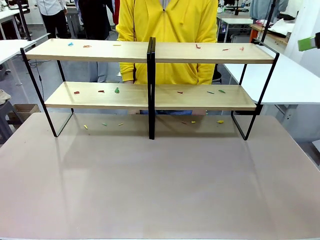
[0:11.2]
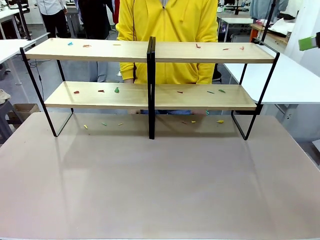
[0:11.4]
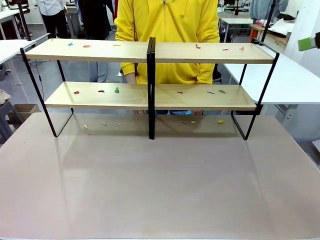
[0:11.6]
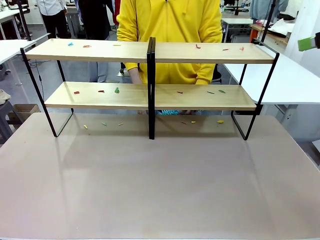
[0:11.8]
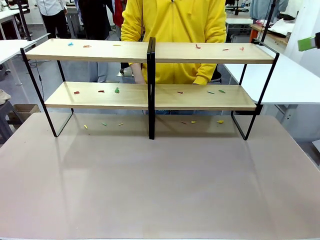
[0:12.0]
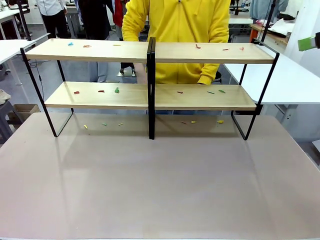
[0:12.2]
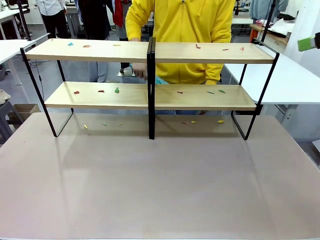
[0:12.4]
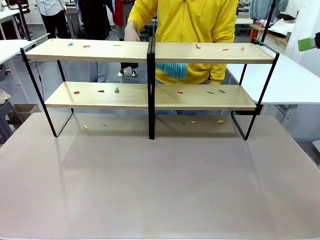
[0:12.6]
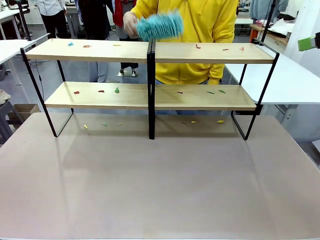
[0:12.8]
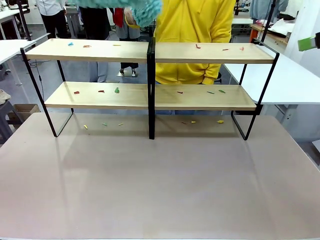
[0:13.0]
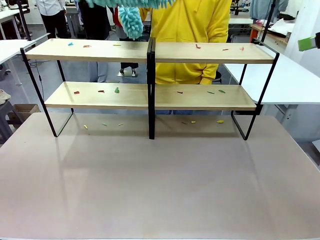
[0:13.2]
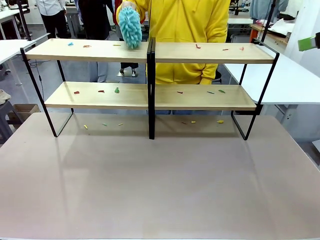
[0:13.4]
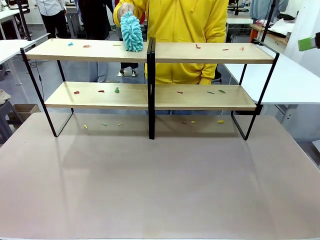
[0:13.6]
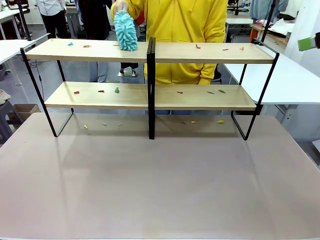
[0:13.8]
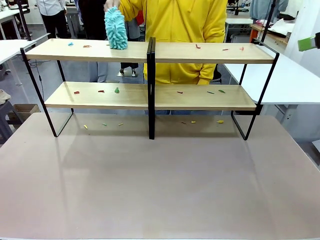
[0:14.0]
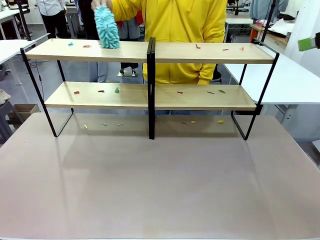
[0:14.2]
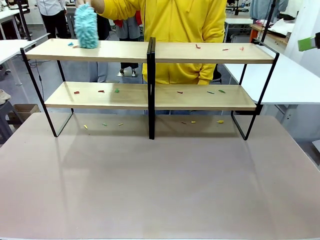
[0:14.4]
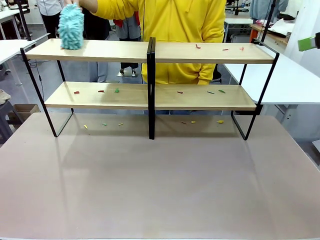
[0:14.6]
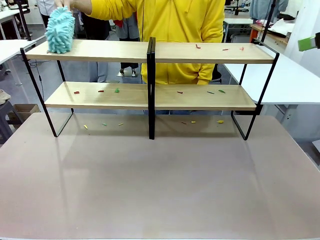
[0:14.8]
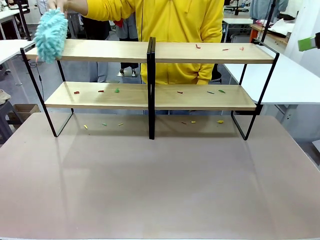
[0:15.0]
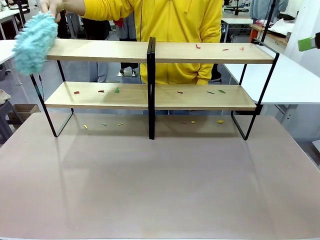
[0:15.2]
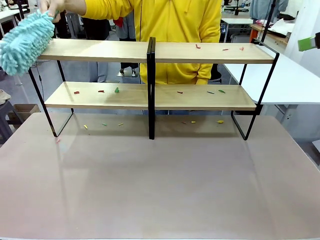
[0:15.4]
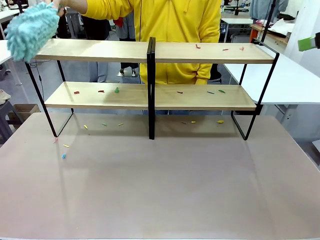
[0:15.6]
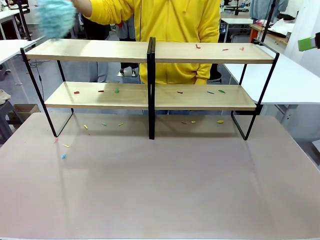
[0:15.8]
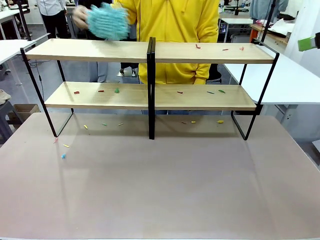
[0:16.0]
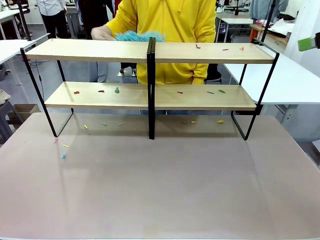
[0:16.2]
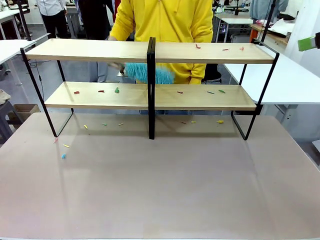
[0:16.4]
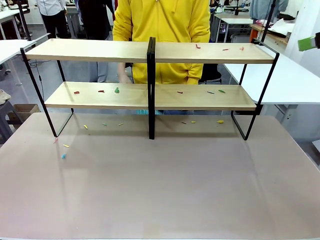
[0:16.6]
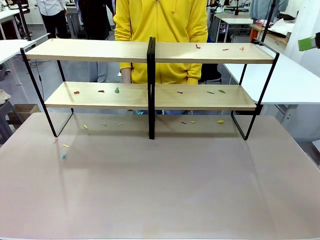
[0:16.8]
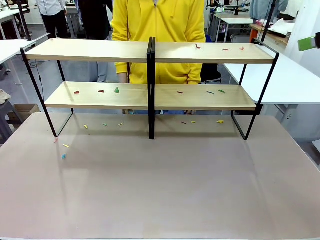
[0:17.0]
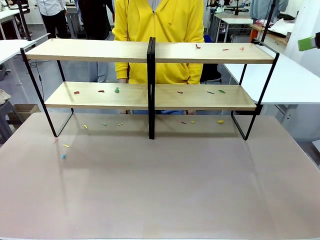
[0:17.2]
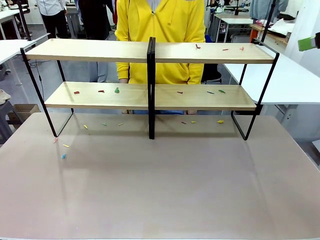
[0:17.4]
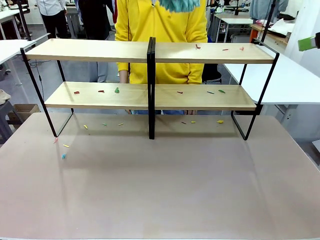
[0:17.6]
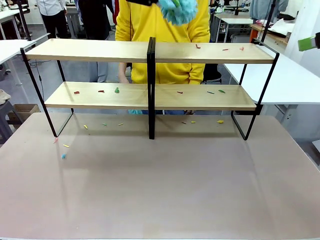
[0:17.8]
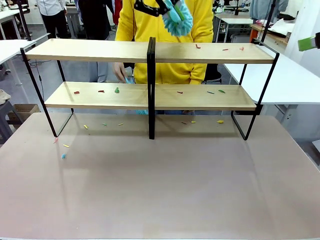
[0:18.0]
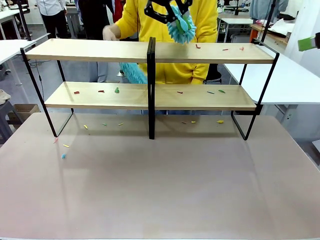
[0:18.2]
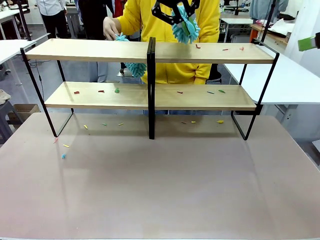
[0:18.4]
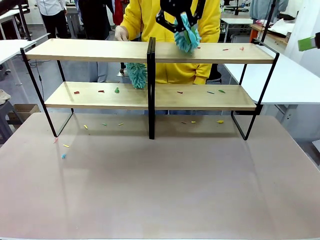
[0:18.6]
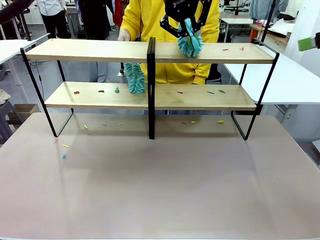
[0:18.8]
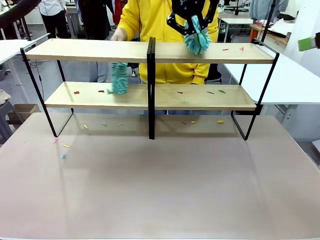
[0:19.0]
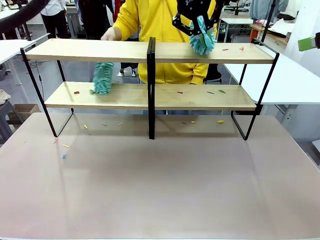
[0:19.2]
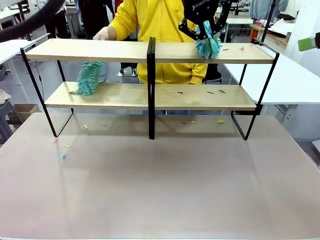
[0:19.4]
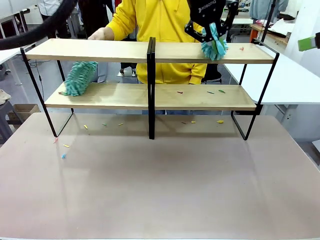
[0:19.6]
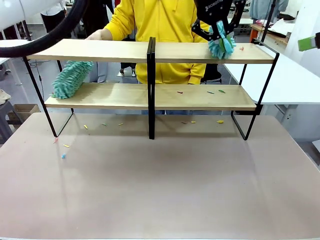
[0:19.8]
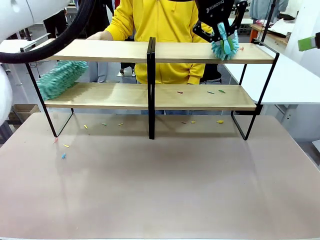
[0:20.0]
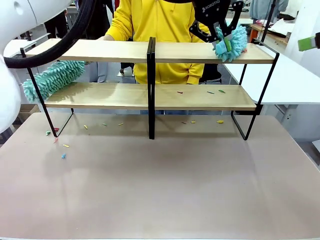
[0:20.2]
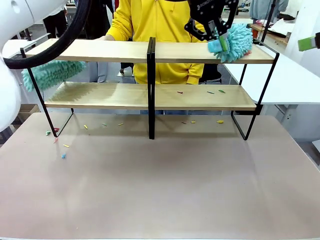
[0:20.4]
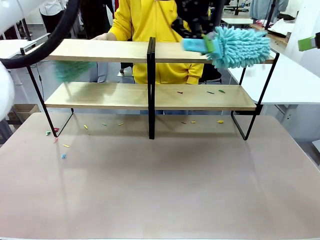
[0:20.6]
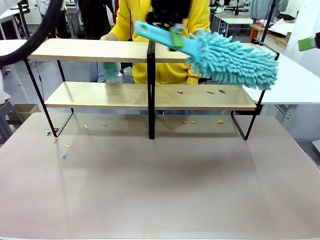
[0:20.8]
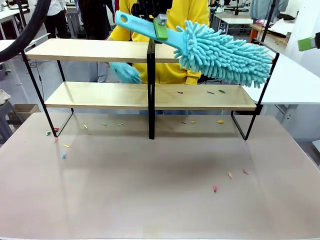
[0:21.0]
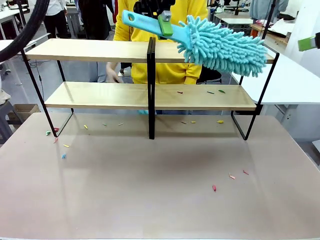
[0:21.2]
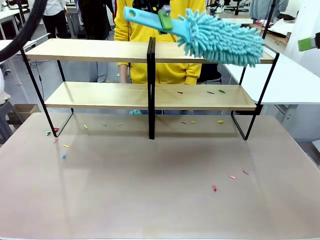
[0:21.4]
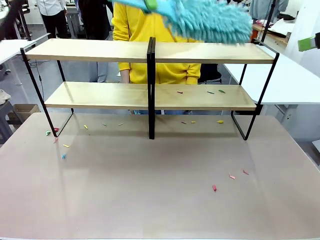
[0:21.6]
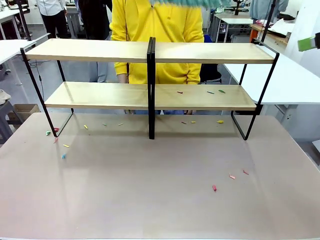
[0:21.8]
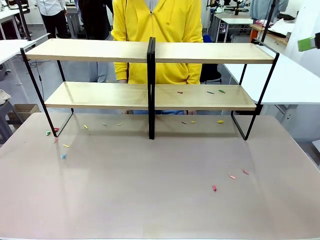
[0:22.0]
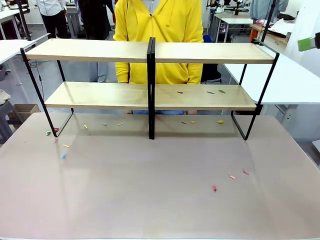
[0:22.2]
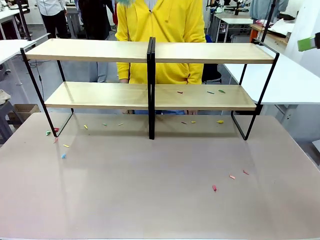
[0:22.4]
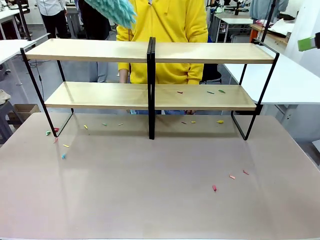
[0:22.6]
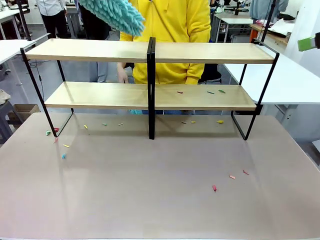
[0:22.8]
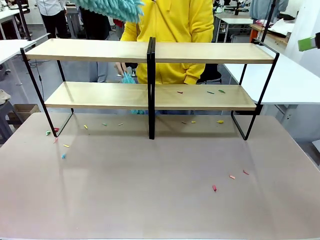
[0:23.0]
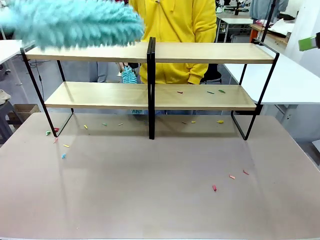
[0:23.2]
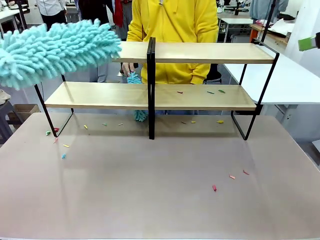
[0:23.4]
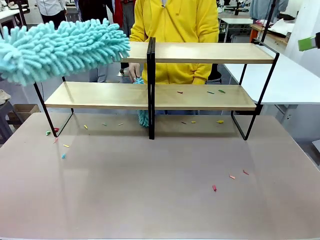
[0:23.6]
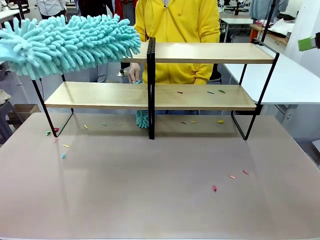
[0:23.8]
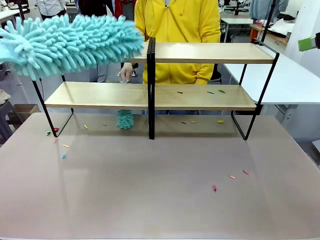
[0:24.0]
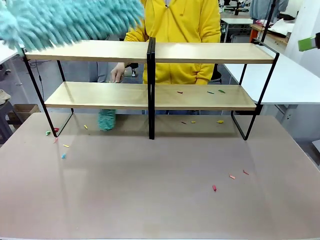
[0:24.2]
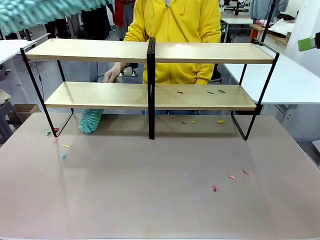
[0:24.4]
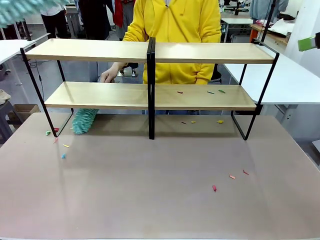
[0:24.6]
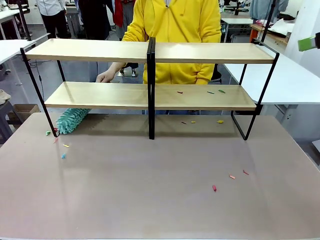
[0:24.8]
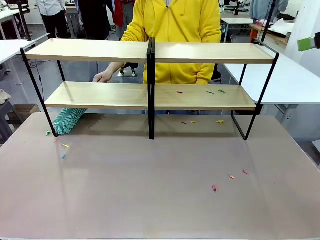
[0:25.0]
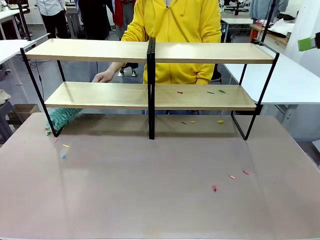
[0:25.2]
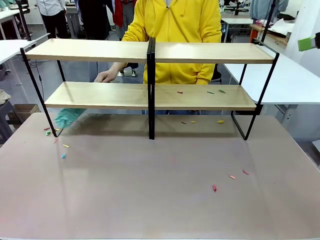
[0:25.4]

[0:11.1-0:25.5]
Task: Clean the shelves.
Robot: Clean a randomly selected level of the Shelf with the Duster.

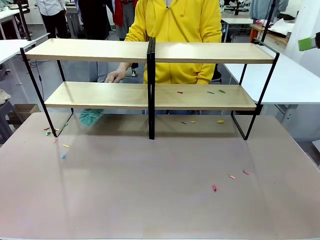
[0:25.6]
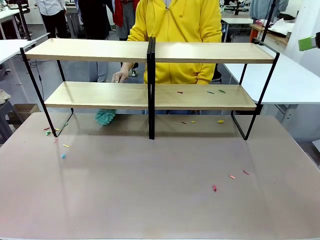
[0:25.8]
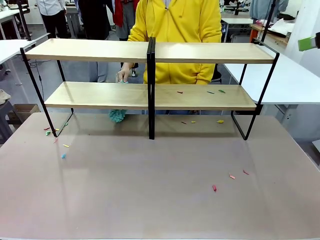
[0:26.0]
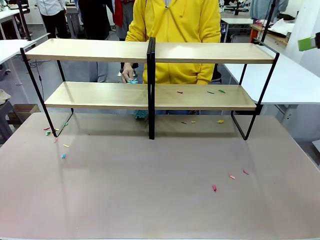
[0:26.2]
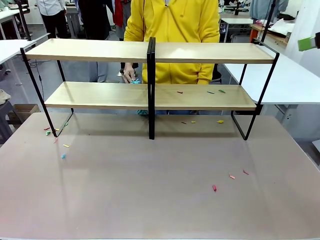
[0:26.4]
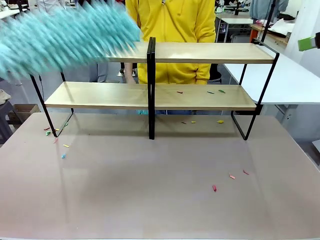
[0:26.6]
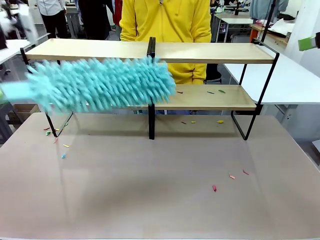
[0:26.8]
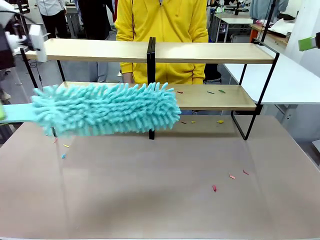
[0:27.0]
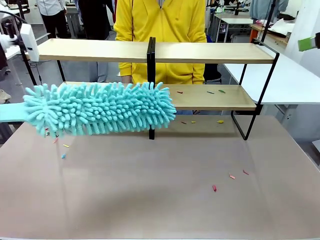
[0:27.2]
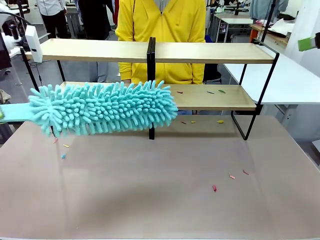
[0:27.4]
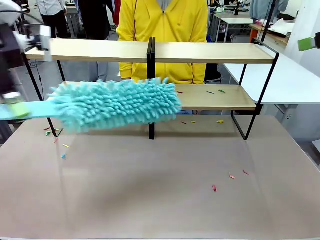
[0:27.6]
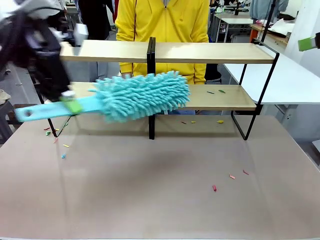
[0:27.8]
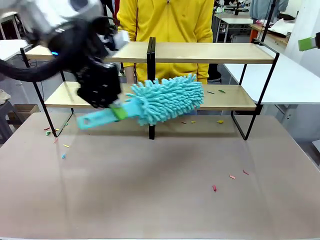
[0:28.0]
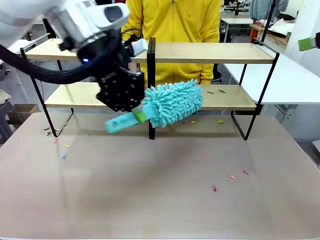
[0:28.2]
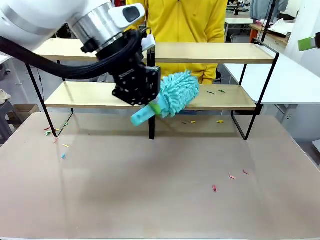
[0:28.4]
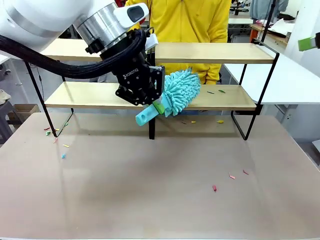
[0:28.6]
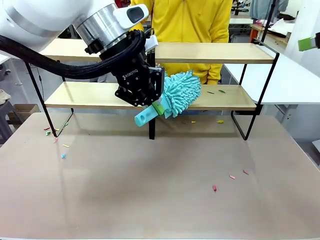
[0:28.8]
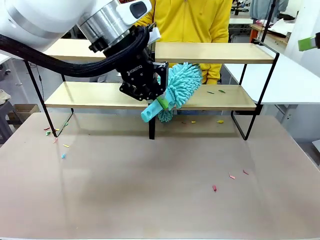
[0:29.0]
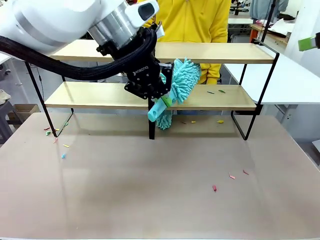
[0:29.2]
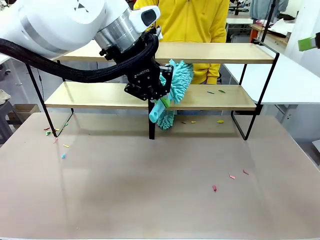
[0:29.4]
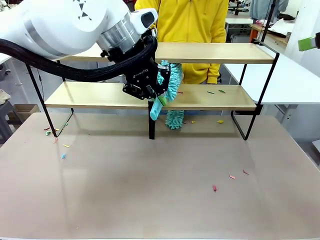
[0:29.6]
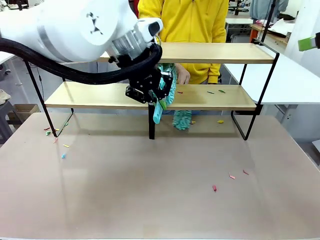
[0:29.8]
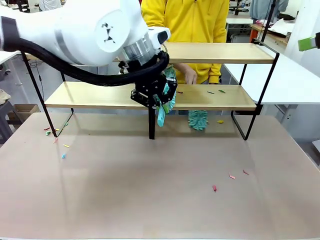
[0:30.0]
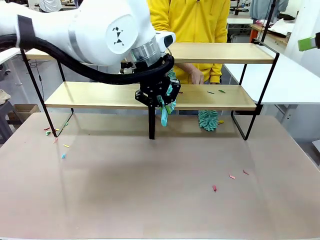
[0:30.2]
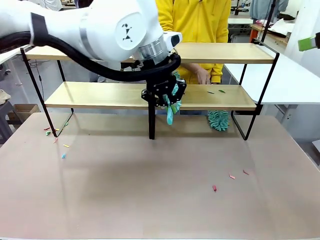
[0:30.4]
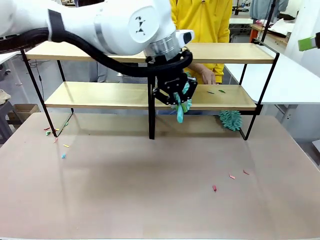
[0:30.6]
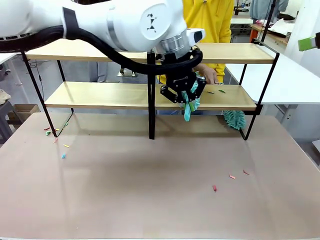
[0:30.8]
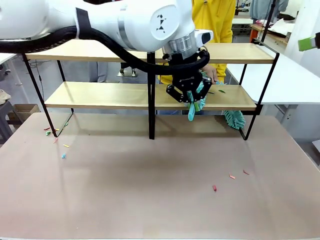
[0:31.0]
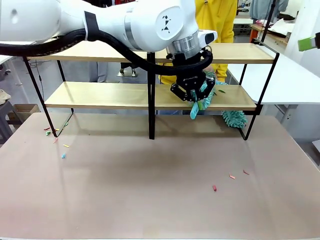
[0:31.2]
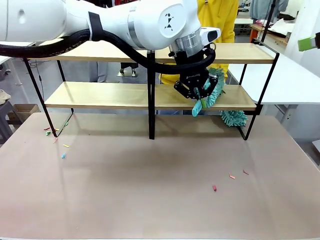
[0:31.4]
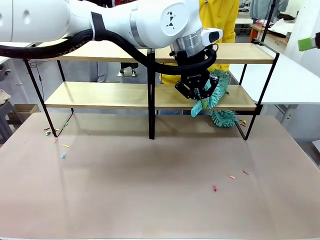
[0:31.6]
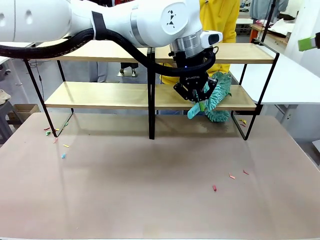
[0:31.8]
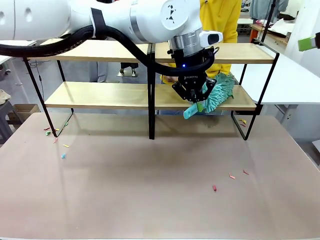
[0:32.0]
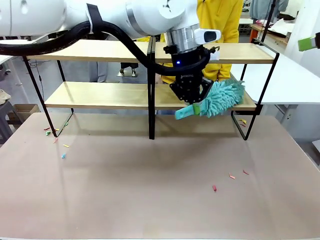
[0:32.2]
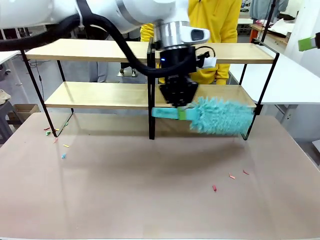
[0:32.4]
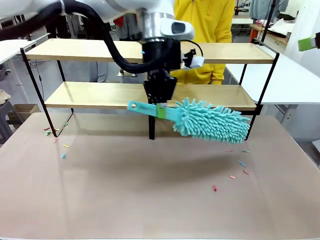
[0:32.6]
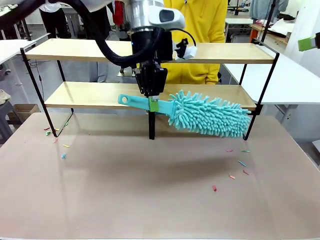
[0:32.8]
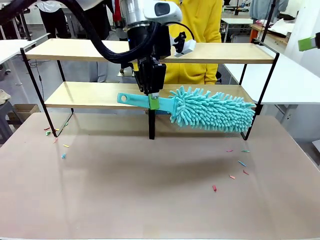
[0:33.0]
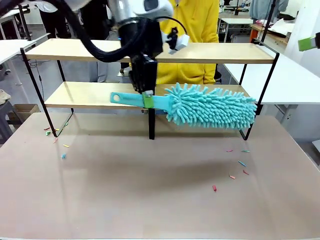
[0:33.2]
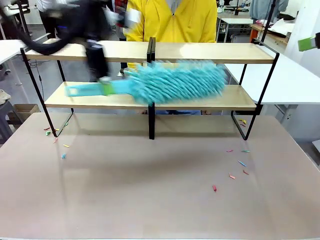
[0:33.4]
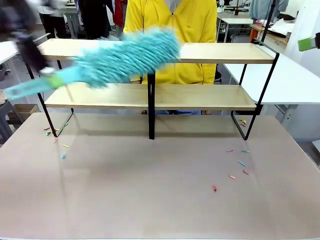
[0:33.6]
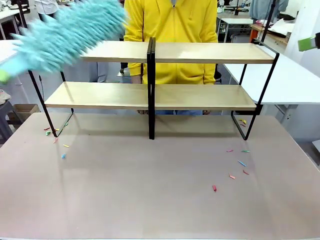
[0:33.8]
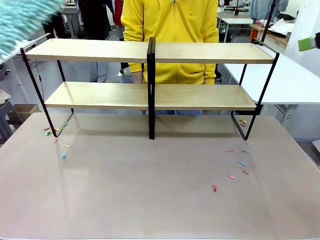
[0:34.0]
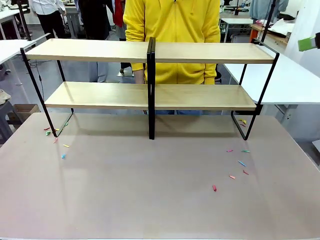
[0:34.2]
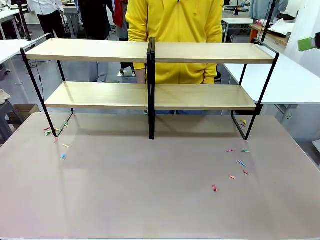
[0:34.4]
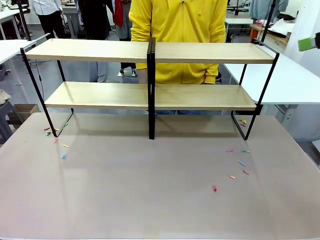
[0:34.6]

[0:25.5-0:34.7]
Robot: Clean another randomly selected level of the Shelf with the Duster.
